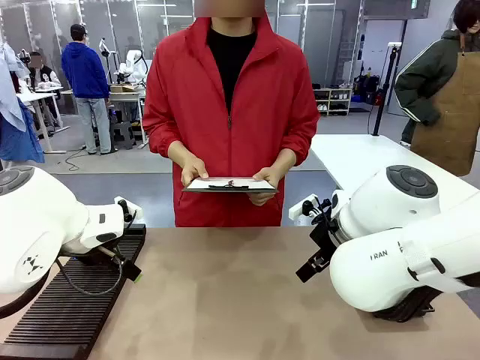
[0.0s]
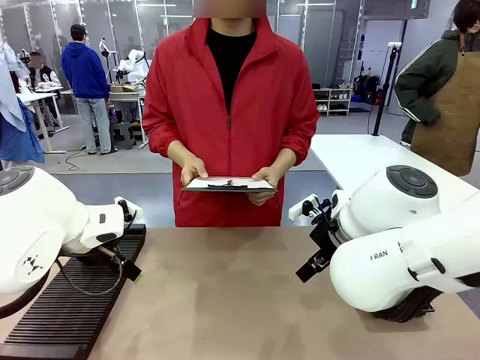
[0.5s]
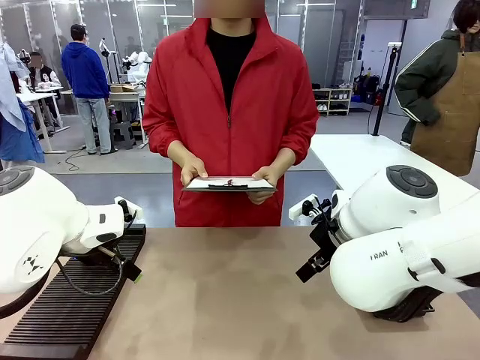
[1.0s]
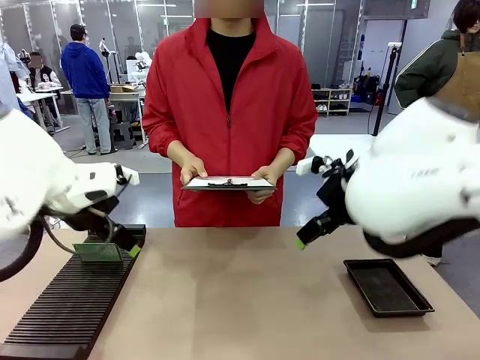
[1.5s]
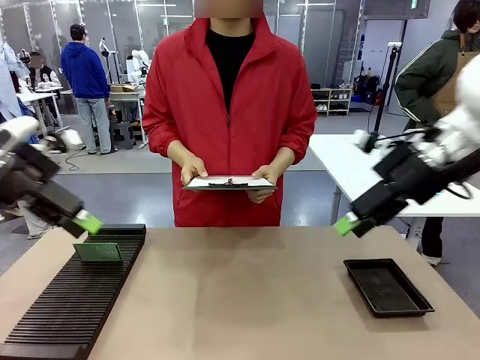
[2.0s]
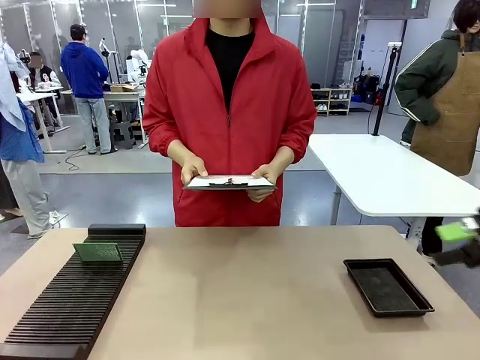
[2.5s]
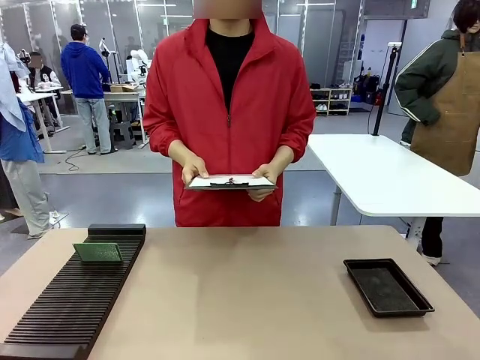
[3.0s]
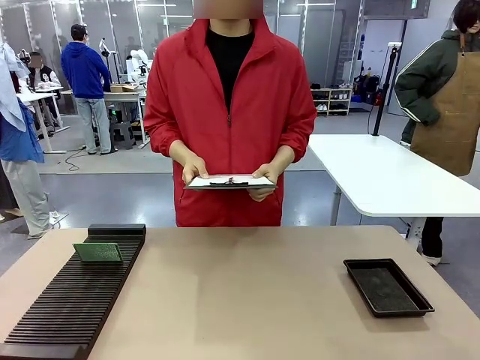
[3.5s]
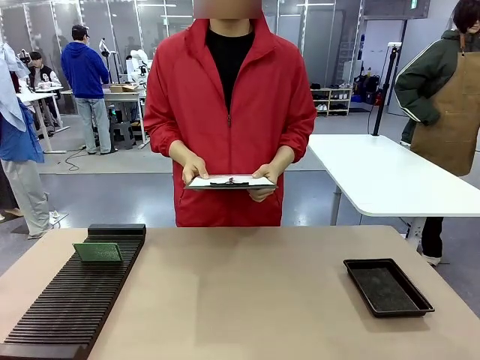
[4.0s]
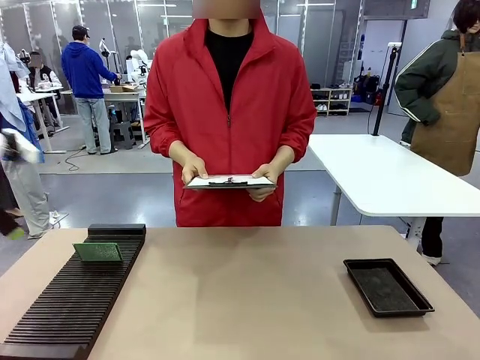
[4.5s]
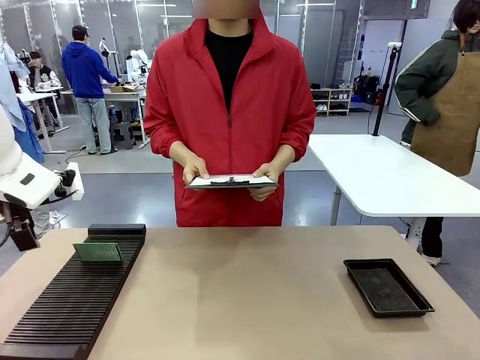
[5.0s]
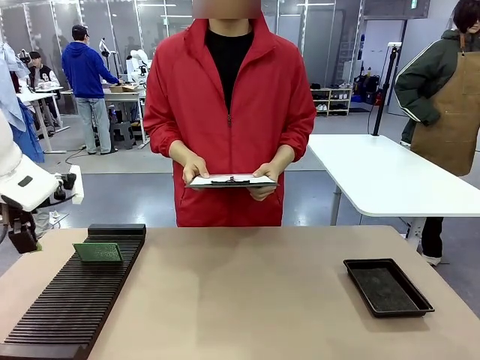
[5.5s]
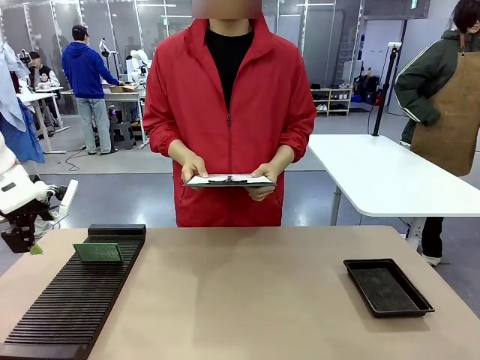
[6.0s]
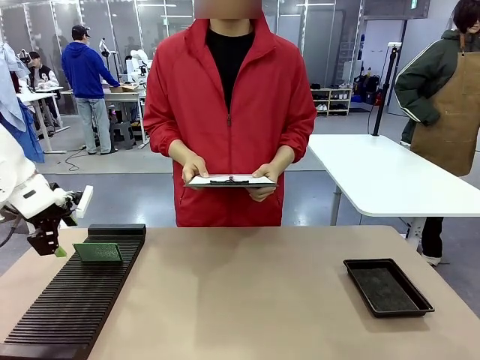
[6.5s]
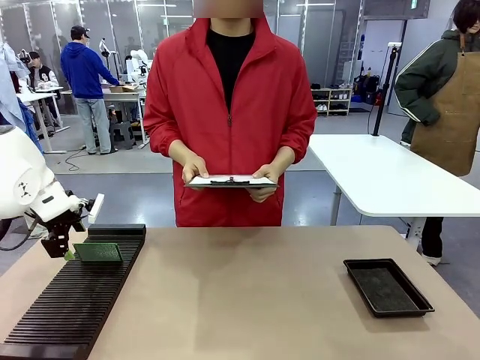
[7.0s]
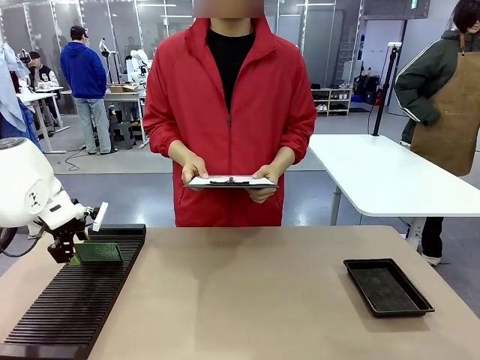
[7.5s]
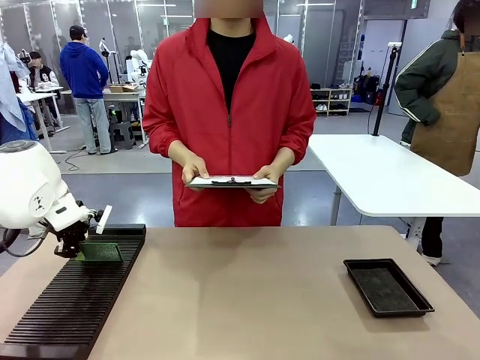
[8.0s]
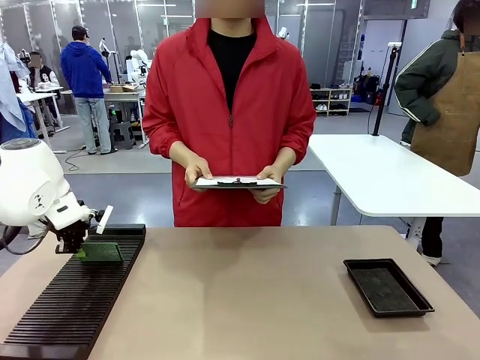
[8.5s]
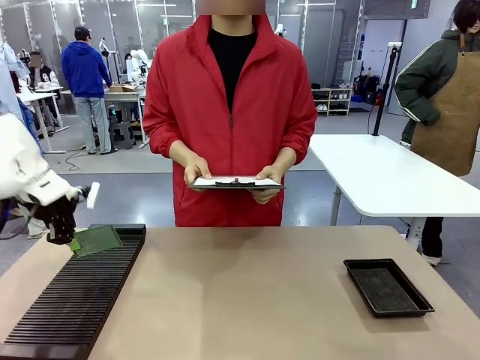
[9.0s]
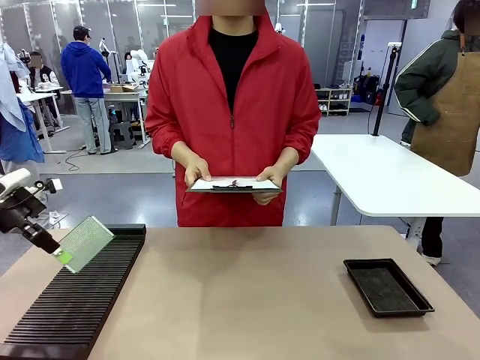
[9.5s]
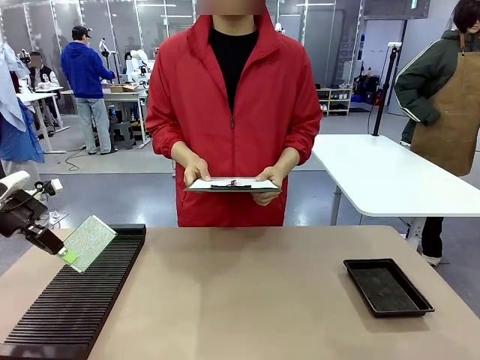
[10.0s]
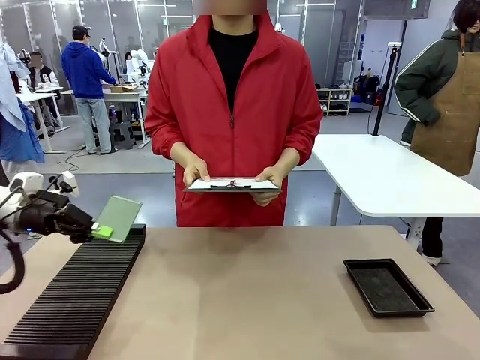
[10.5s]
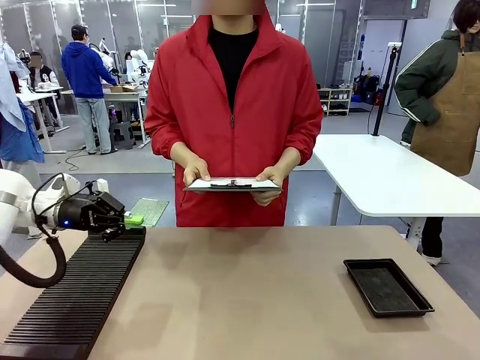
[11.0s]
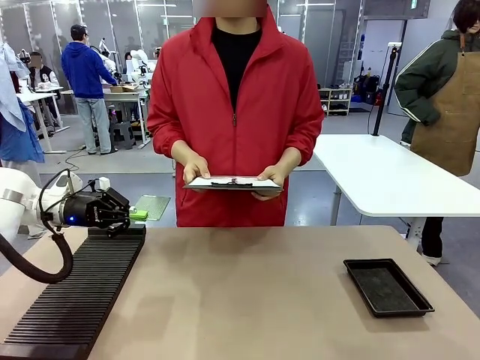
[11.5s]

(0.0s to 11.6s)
Task: Inspect the PCB.
Robot: Pick up the Blank PCB and present it to the human.
Person: Pick up the PCB presented by the robot.

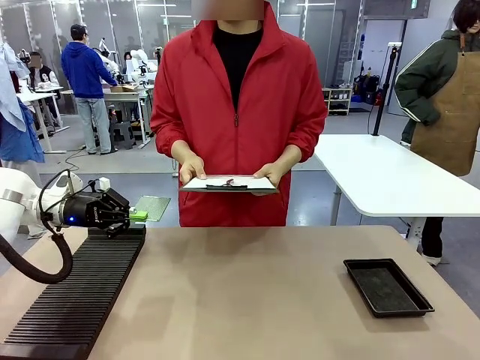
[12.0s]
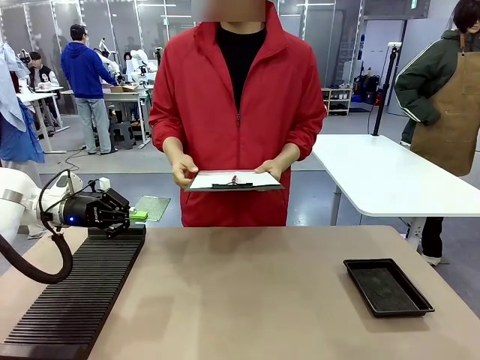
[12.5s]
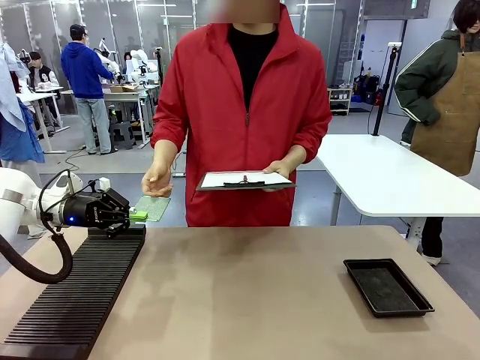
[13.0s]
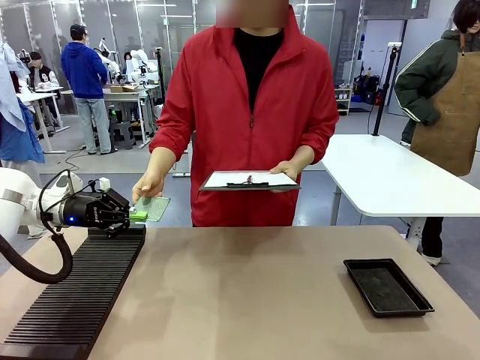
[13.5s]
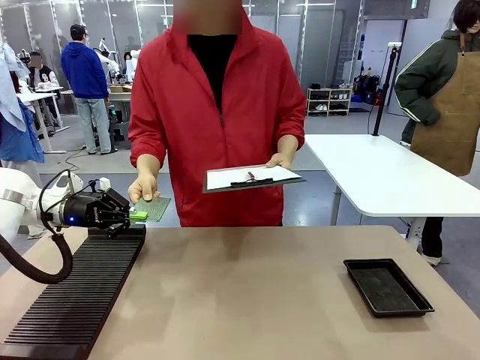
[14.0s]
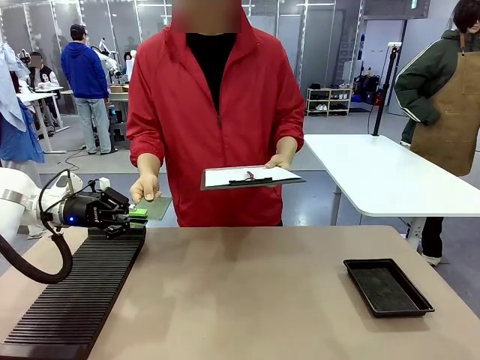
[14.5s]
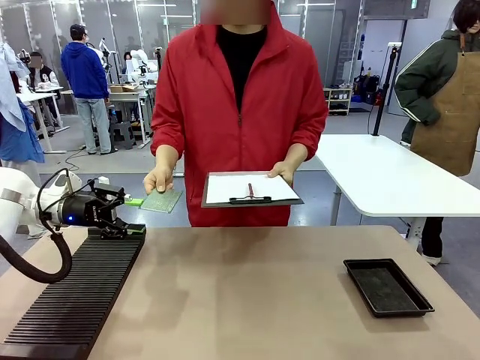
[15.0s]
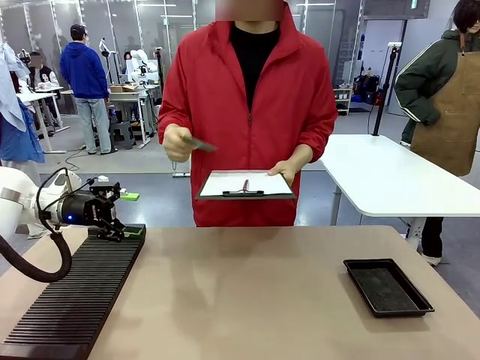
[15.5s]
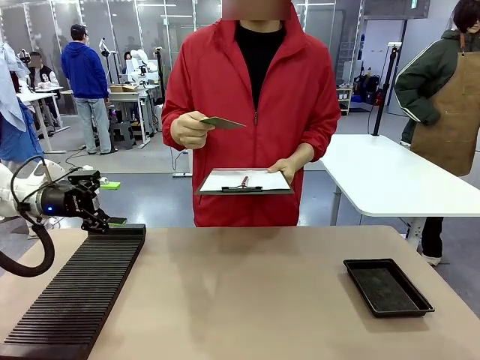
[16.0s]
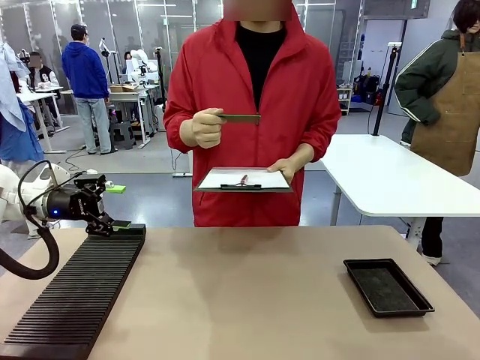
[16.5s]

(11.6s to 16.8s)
Robot: Release the Blank PCB you were holding.

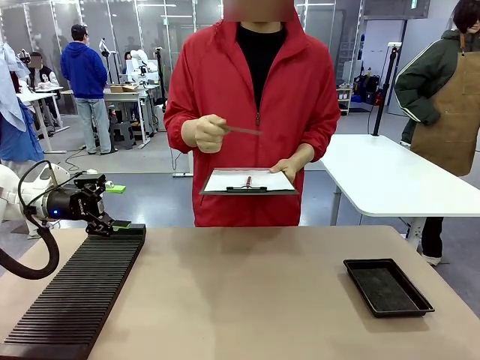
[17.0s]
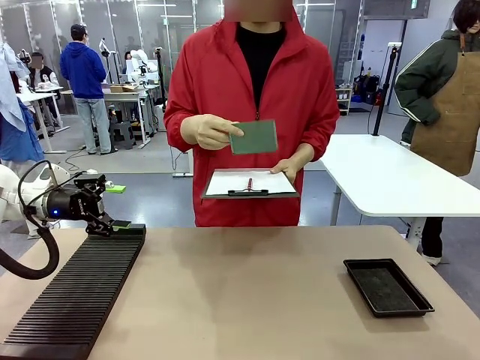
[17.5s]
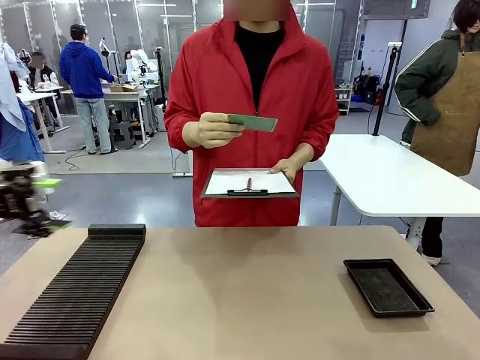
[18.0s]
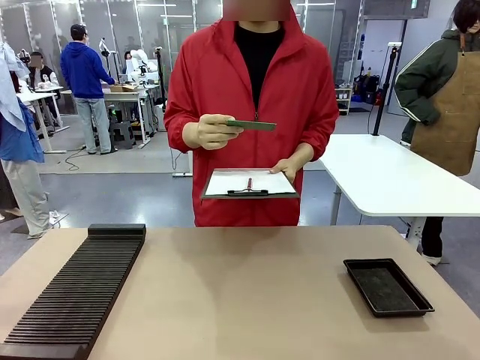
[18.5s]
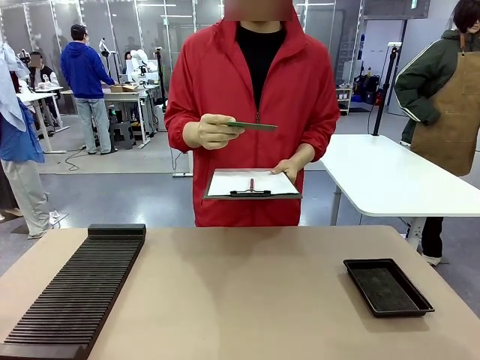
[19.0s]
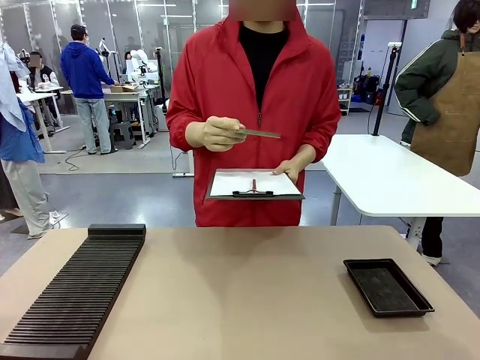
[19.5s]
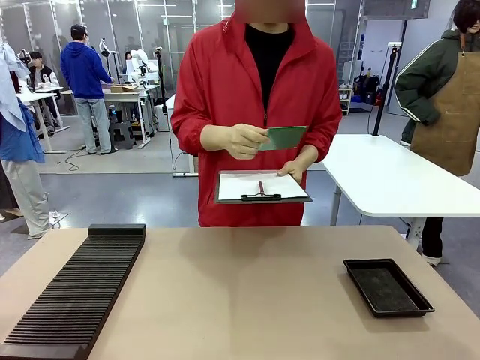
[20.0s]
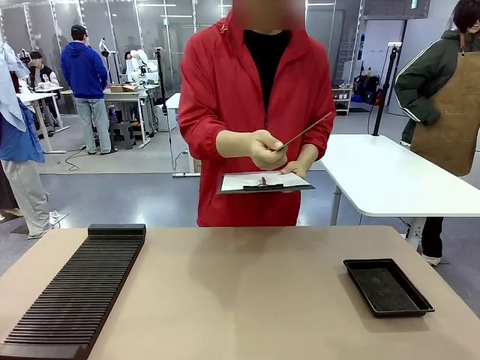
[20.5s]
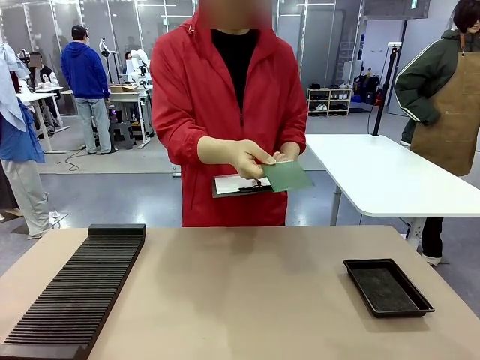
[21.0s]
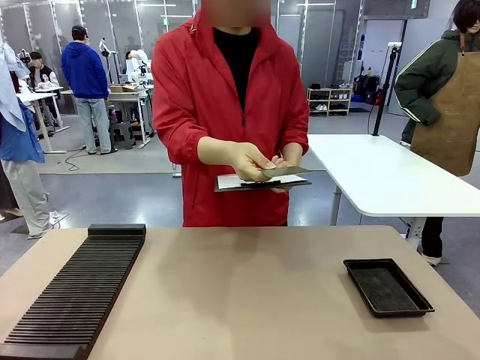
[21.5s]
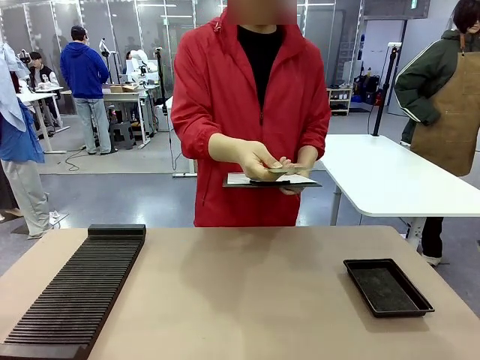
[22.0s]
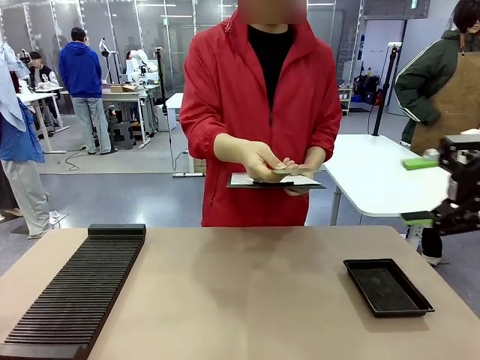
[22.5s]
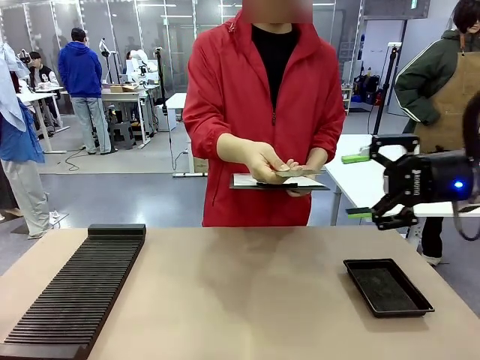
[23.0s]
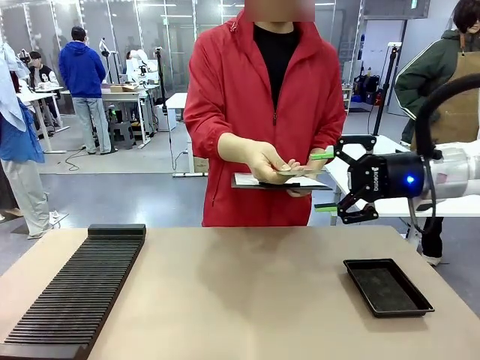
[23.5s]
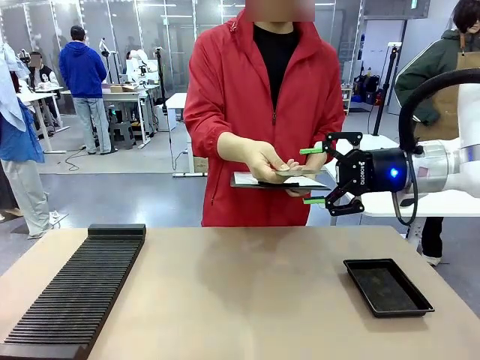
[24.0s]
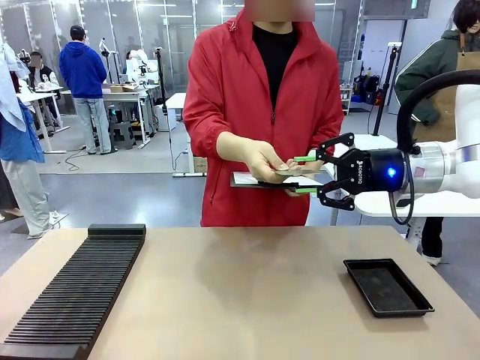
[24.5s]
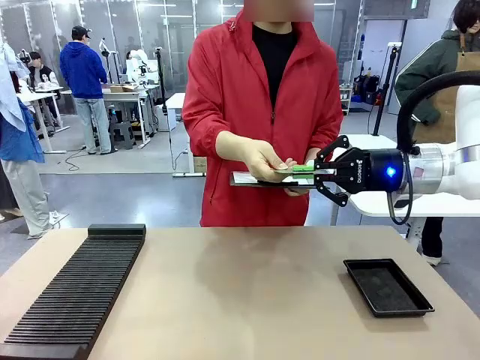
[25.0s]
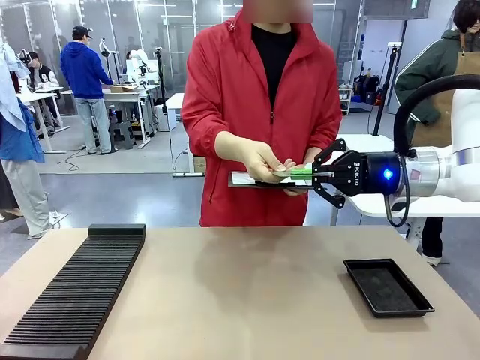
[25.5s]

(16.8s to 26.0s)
Robot: Pick up the Blank PCB that the human is holding.
Person: Inspect the PCB placed by the robot, then hold it out in front of the robot. Release the PCB you were holding.
